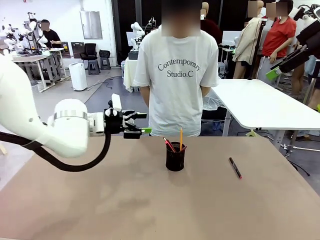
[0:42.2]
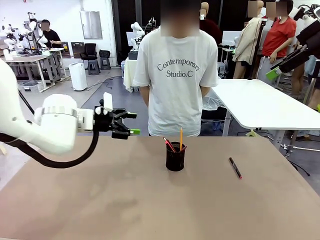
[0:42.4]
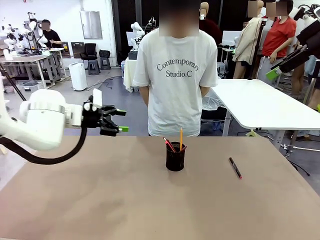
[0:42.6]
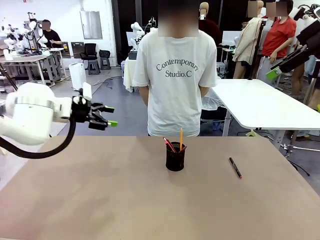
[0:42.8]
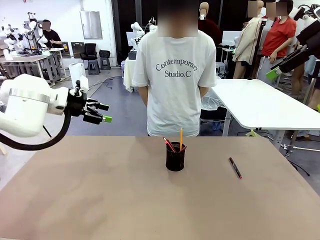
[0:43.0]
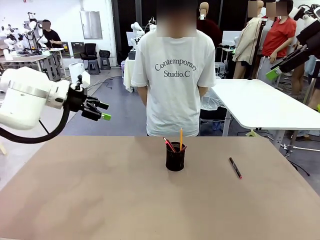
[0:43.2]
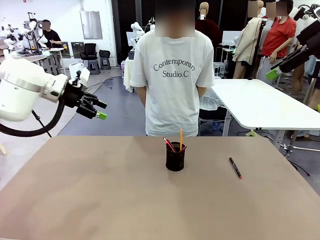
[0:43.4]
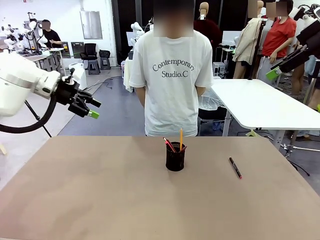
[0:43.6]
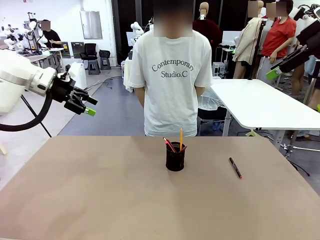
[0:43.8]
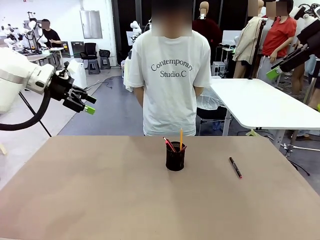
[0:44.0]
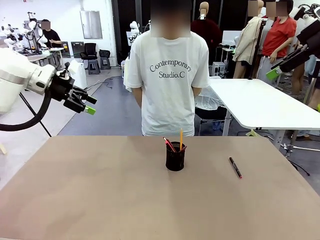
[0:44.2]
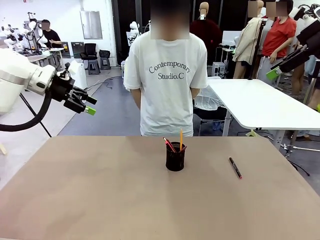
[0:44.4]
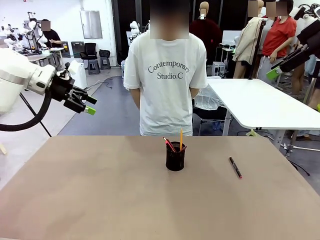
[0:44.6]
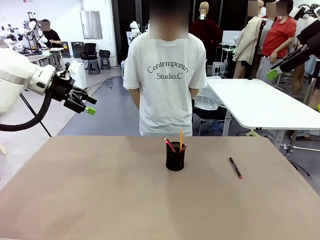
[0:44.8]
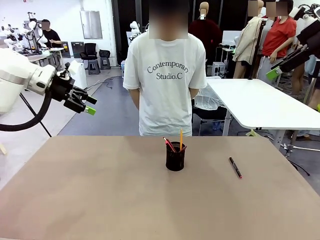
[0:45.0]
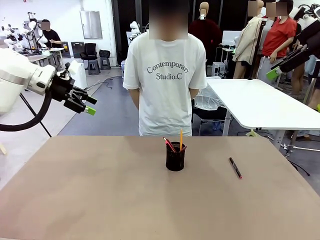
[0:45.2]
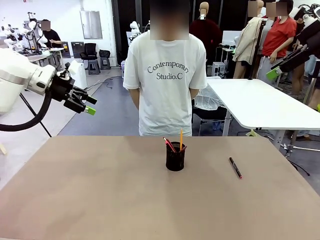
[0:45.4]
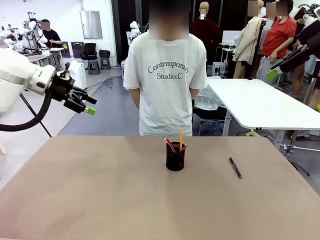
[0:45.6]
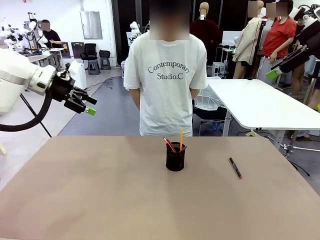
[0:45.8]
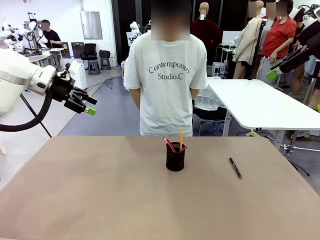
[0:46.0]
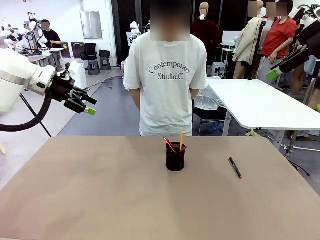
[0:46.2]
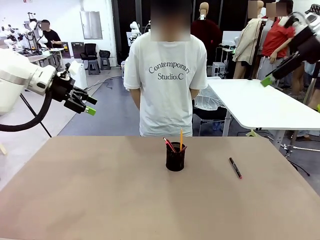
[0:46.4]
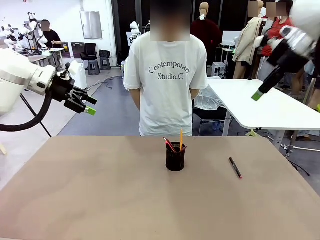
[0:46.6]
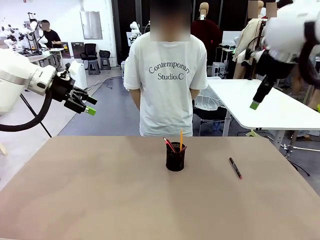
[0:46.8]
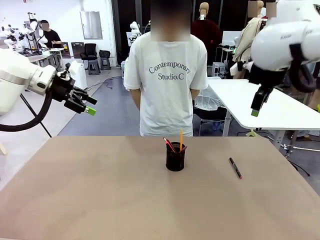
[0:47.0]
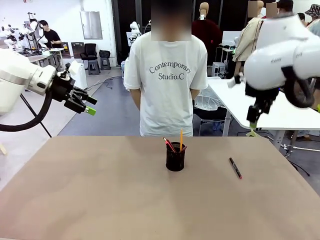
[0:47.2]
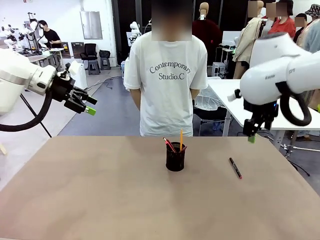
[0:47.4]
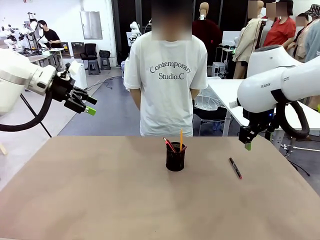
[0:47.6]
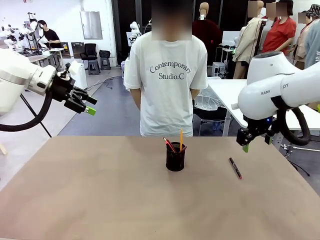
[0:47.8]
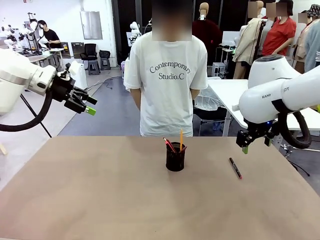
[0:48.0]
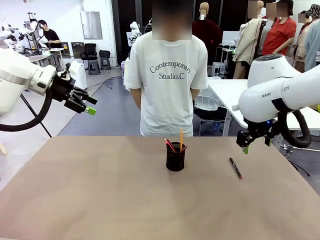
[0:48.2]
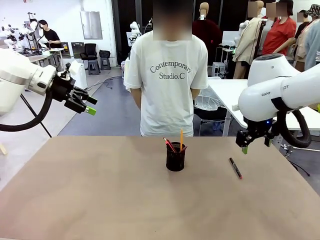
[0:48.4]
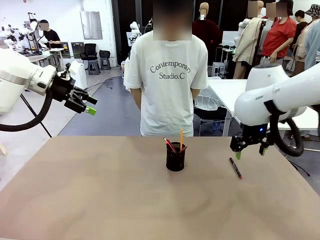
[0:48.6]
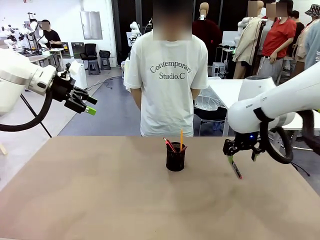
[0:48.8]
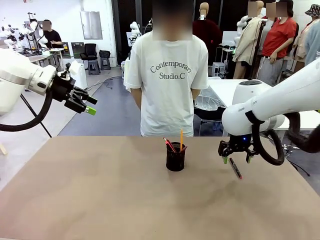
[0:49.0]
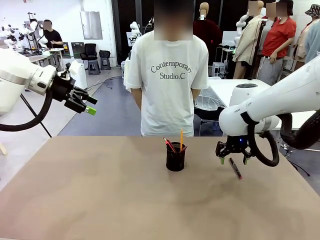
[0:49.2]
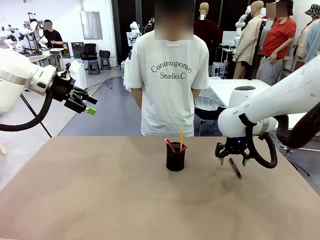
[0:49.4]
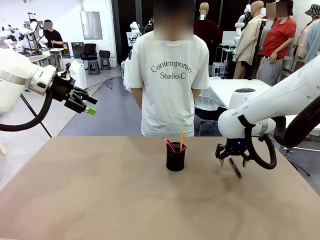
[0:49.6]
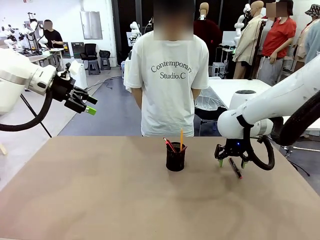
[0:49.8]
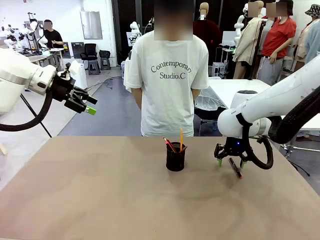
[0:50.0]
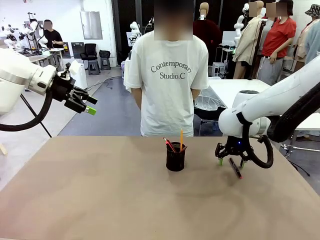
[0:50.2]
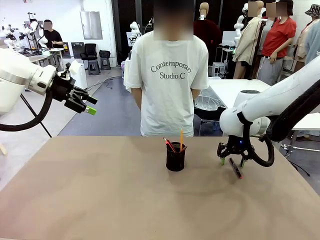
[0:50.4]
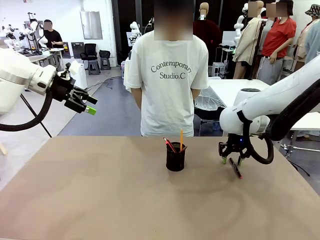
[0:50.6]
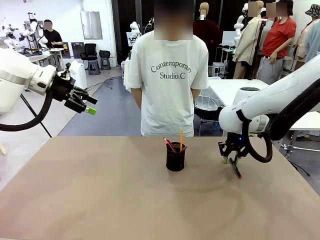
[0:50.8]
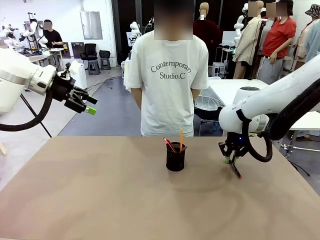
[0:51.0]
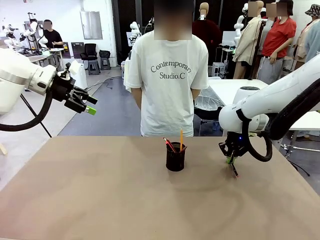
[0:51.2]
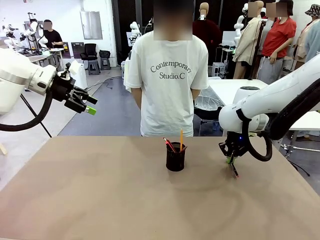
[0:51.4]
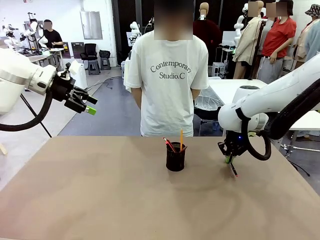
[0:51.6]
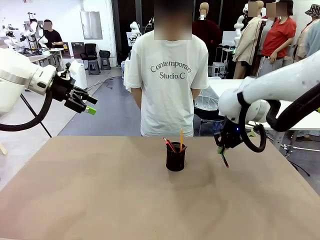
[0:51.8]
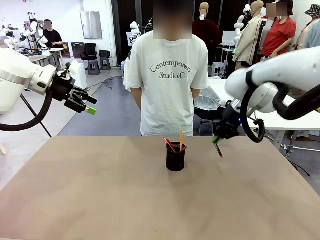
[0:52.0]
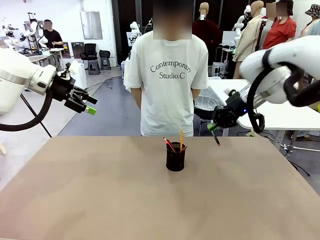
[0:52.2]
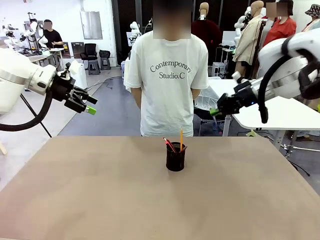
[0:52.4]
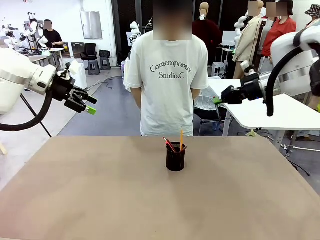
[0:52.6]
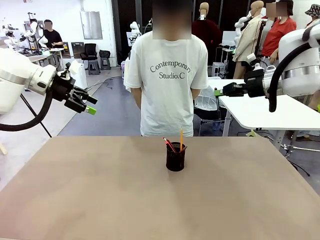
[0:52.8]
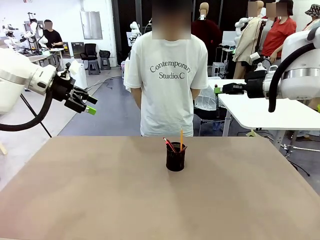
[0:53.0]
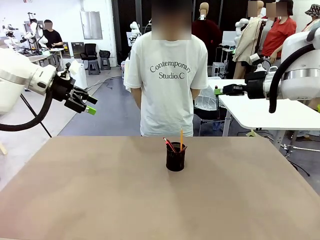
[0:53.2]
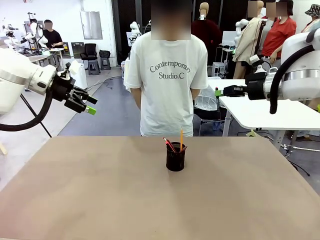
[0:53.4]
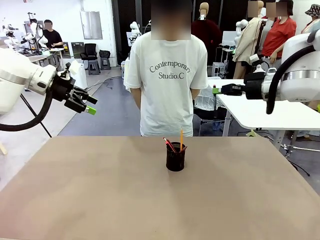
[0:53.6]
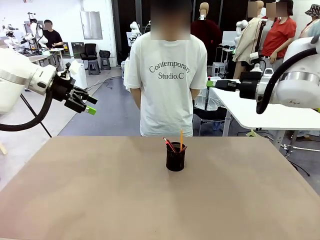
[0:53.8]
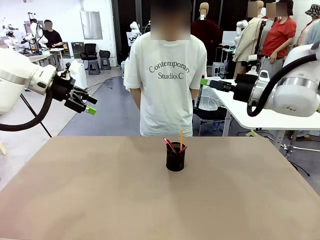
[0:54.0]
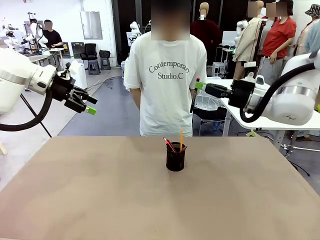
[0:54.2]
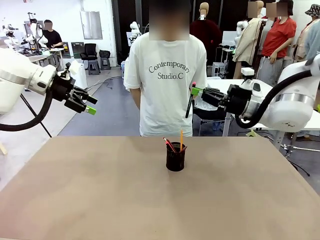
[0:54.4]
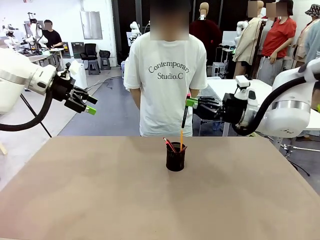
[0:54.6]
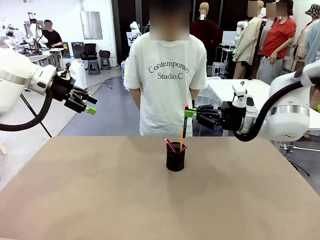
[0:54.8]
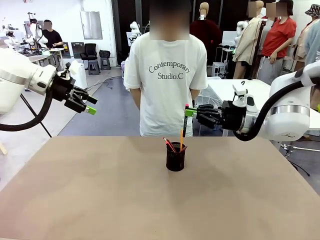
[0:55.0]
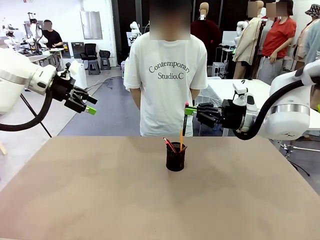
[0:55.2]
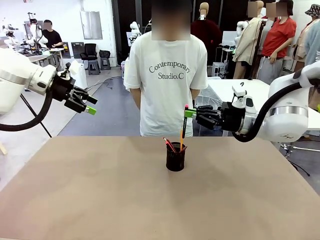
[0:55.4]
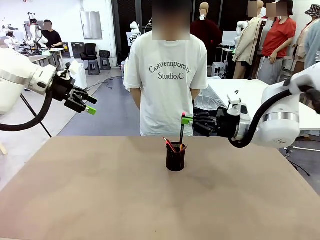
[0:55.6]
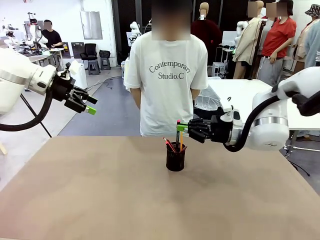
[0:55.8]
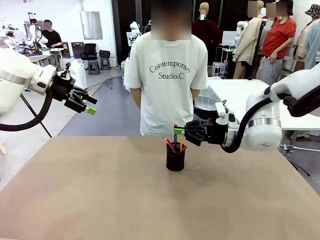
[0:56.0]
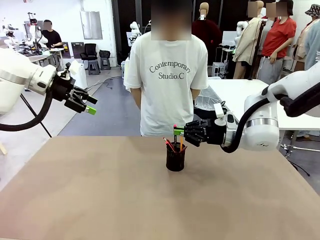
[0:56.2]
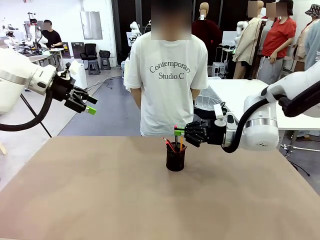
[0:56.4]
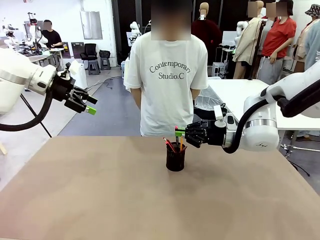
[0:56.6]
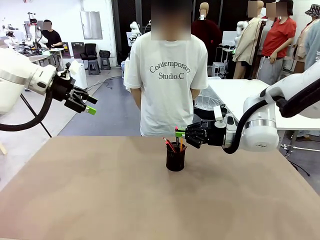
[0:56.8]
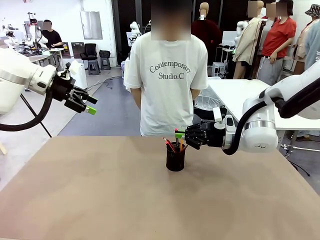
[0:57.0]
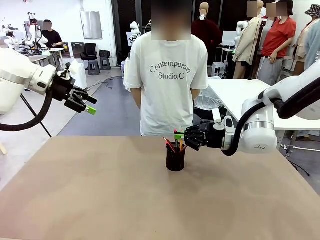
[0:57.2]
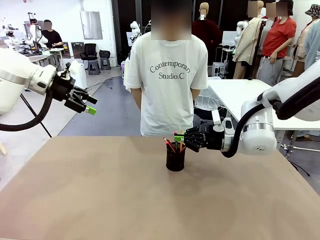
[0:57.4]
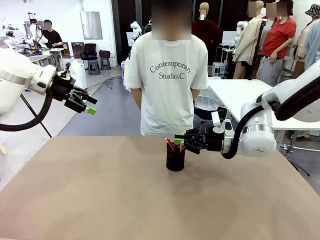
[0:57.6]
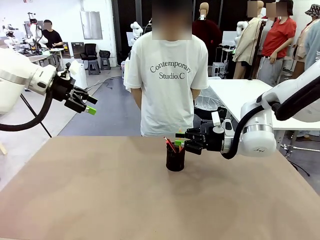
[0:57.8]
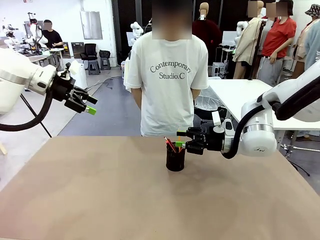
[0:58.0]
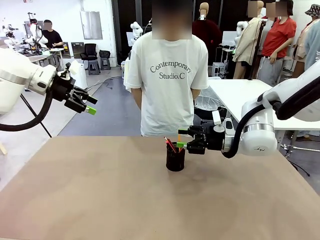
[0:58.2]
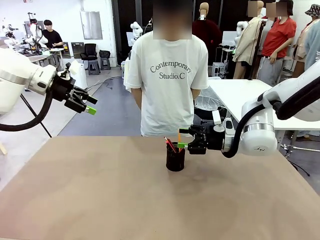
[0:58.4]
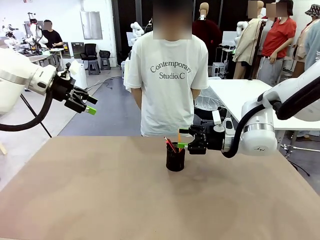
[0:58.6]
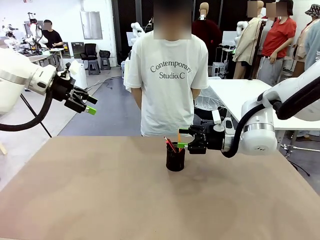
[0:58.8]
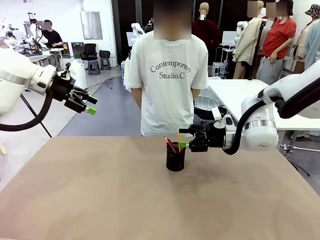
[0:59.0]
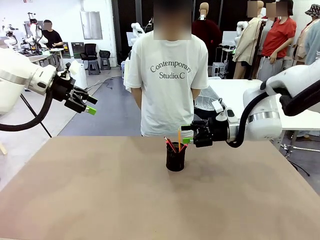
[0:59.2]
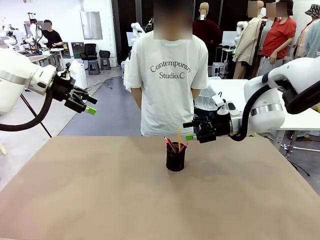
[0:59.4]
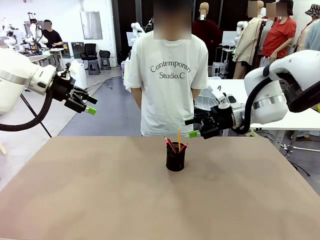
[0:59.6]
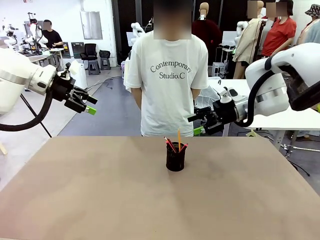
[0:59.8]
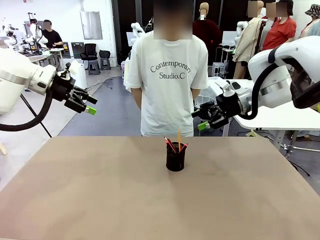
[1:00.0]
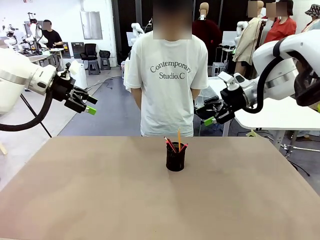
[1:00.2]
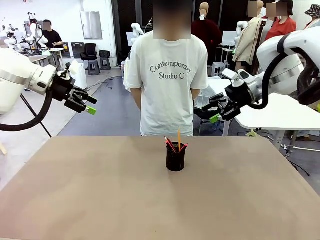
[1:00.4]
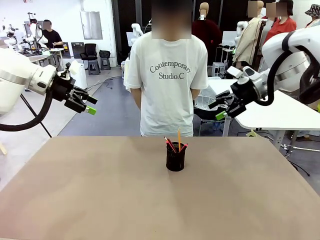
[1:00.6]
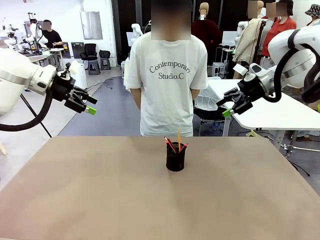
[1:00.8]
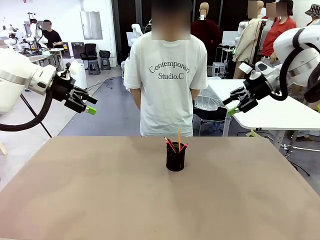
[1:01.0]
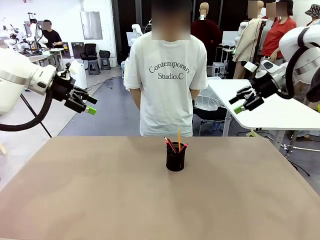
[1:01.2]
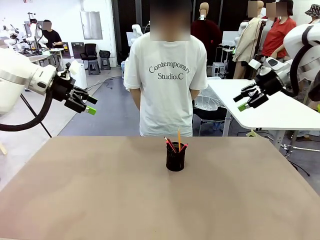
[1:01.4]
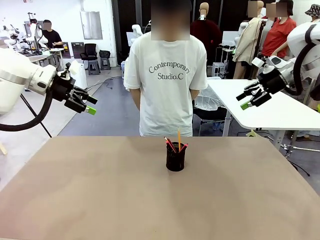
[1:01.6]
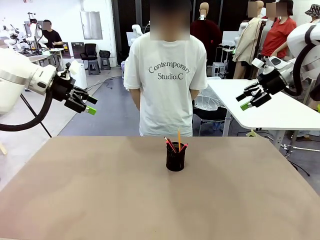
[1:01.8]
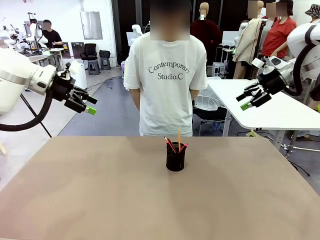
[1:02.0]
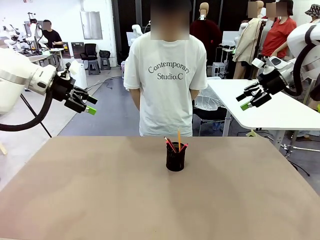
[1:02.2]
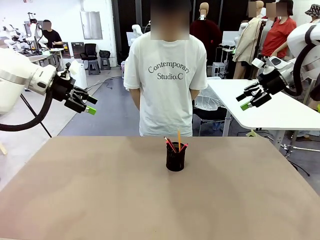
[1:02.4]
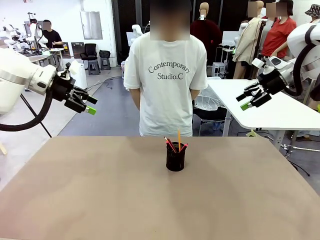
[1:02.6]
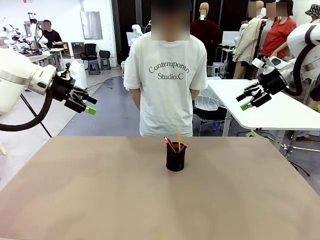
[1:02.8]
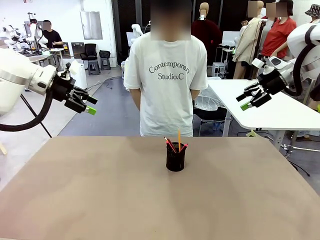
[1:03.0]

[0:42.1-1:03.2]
Task: Place the pens into the pen holder.
Robot: Pick up a writing instrument from the table and place it into the Pen holder.
